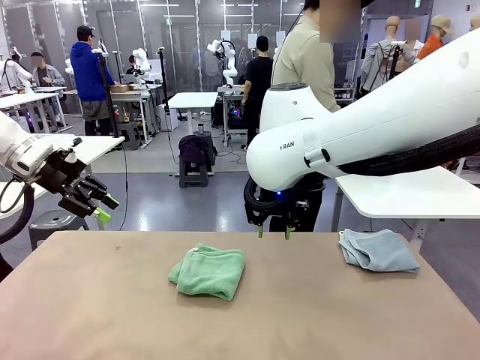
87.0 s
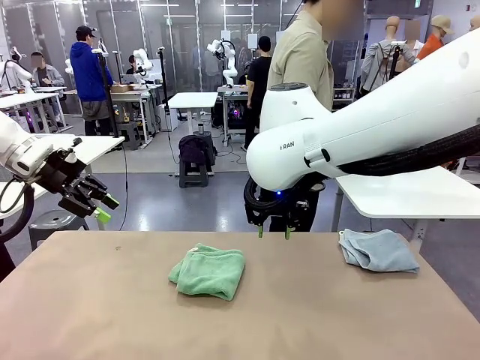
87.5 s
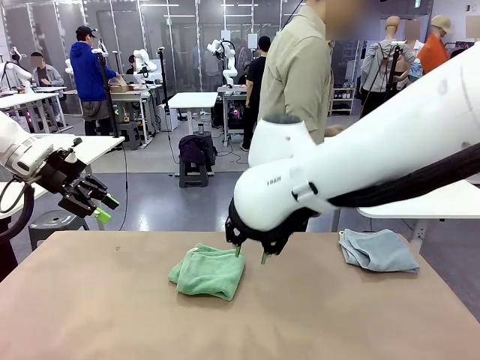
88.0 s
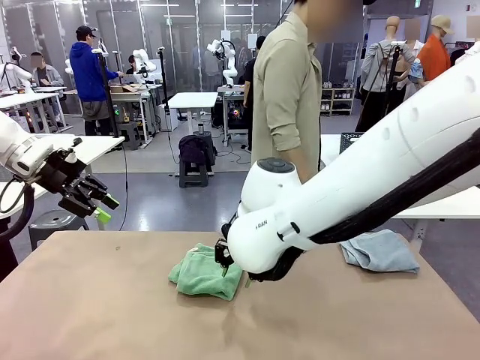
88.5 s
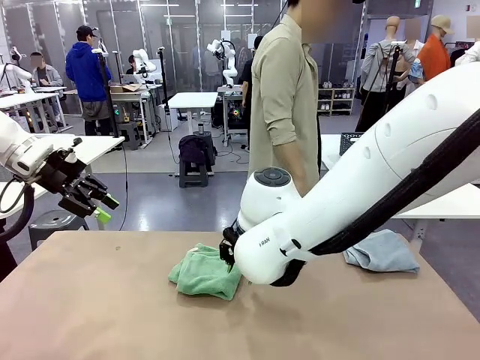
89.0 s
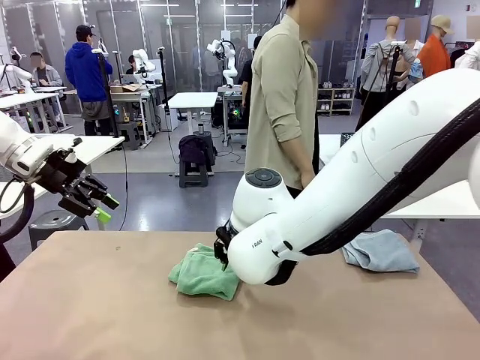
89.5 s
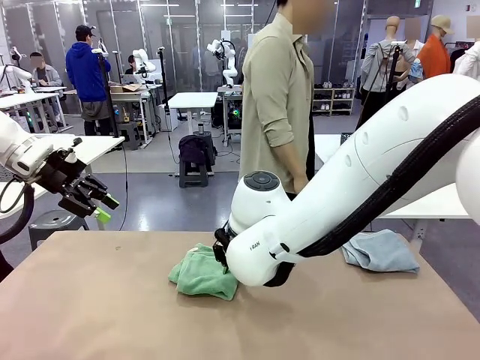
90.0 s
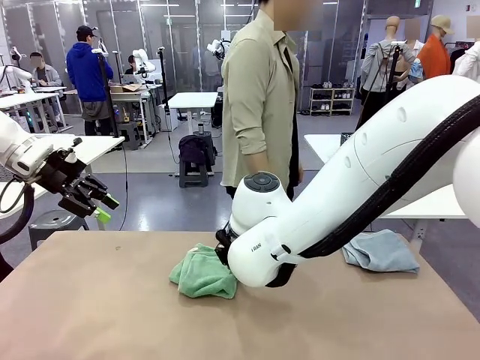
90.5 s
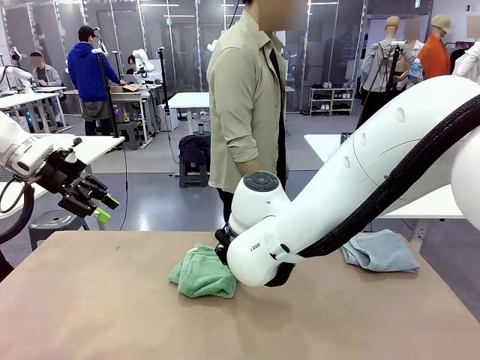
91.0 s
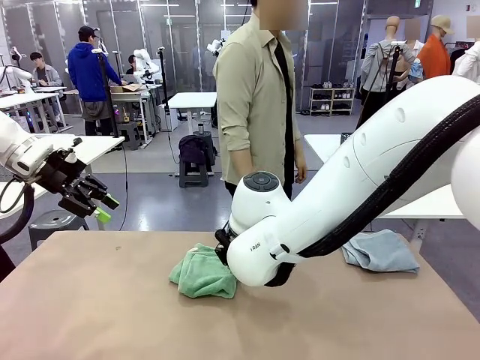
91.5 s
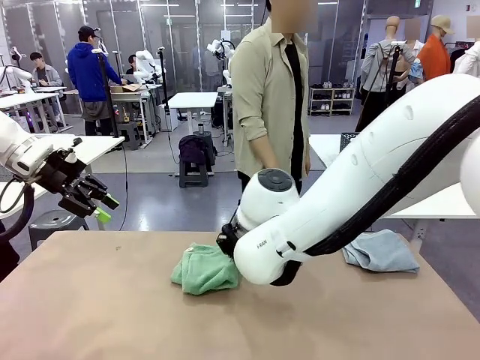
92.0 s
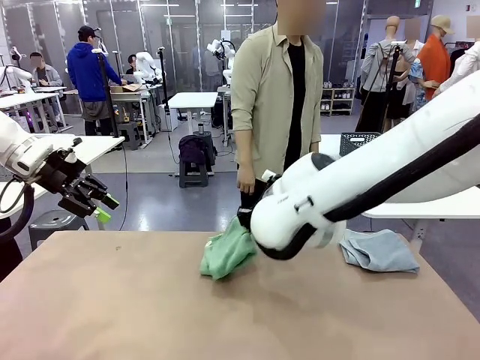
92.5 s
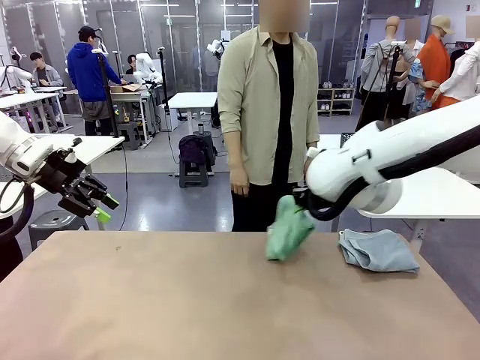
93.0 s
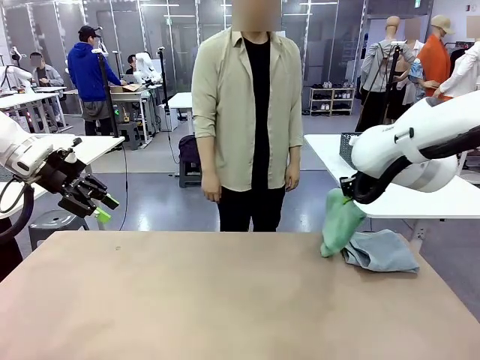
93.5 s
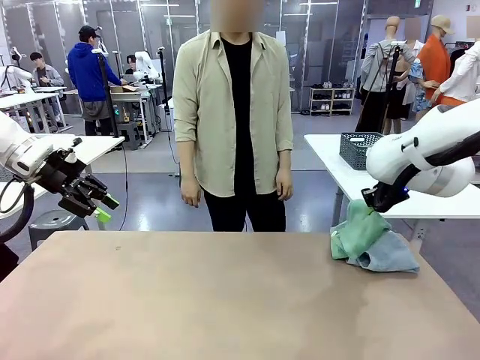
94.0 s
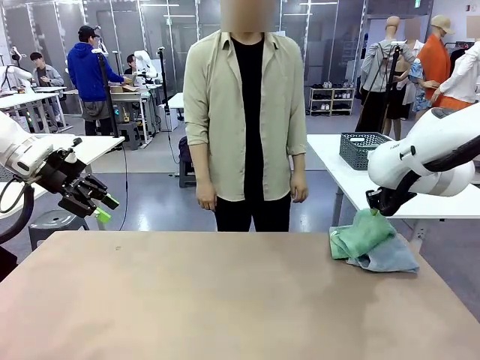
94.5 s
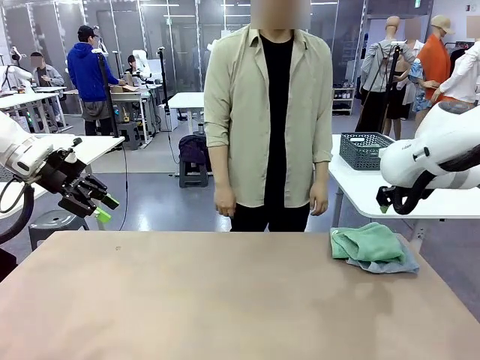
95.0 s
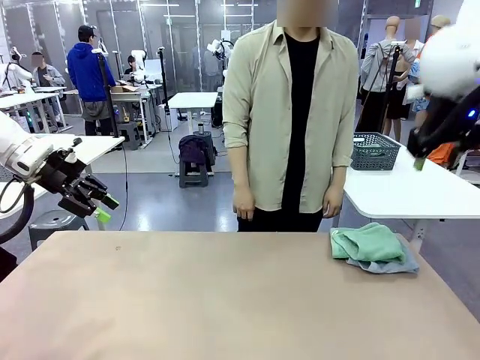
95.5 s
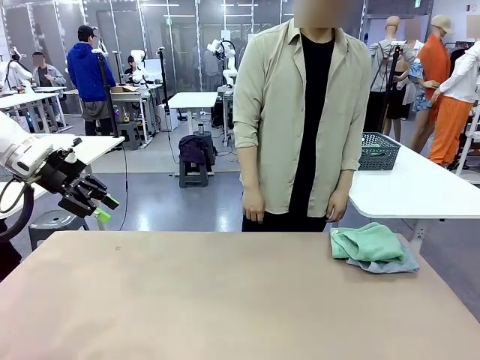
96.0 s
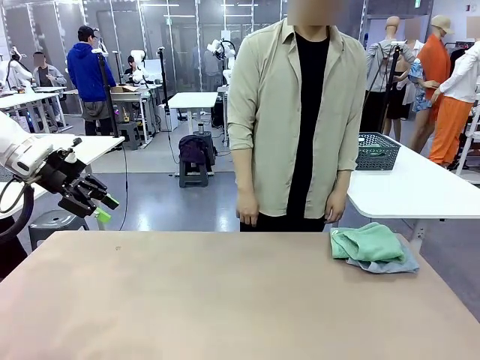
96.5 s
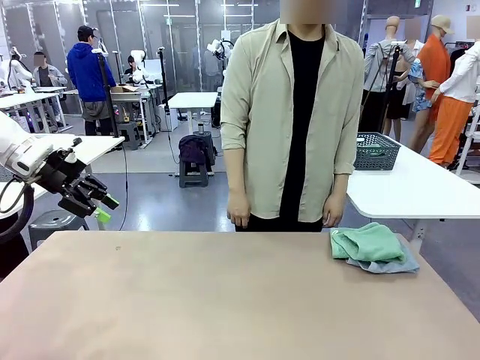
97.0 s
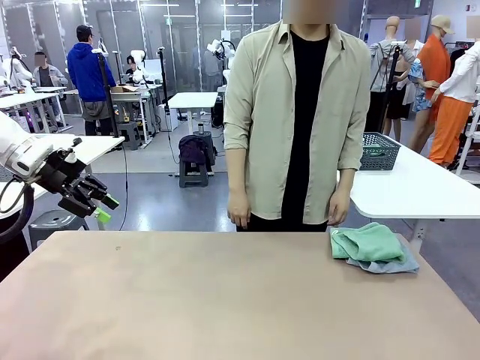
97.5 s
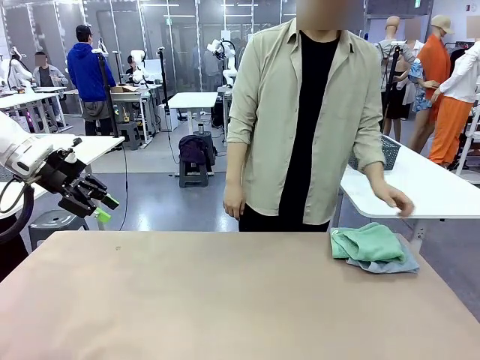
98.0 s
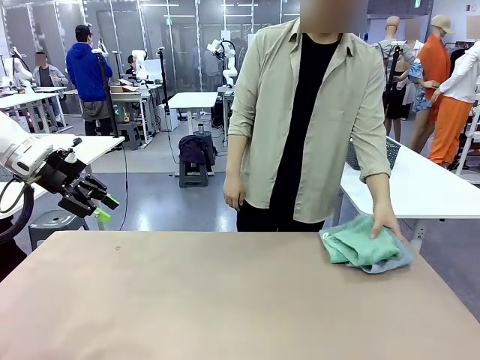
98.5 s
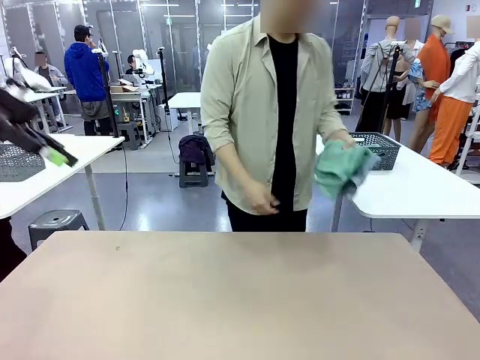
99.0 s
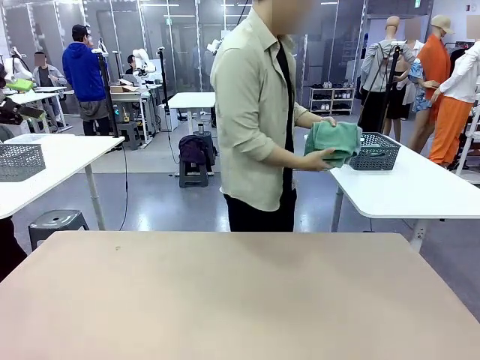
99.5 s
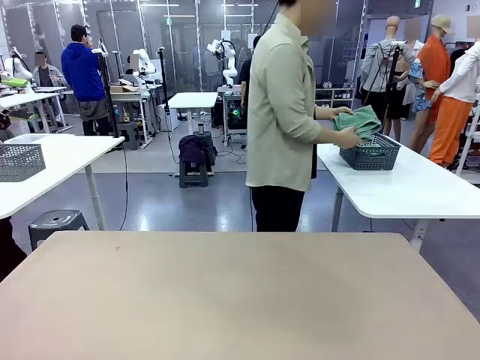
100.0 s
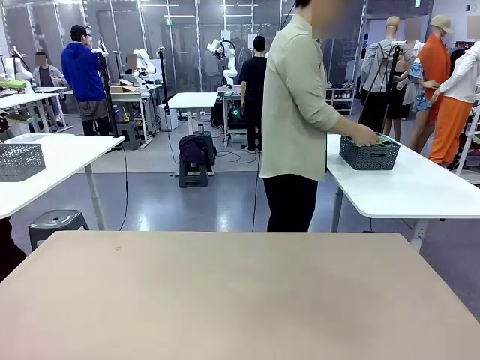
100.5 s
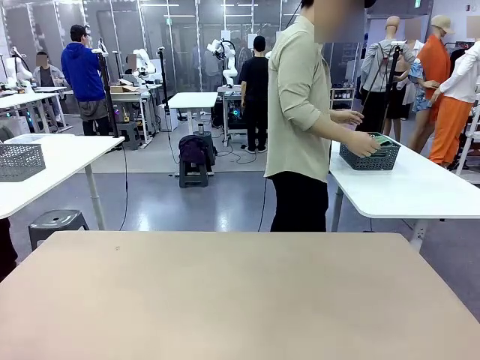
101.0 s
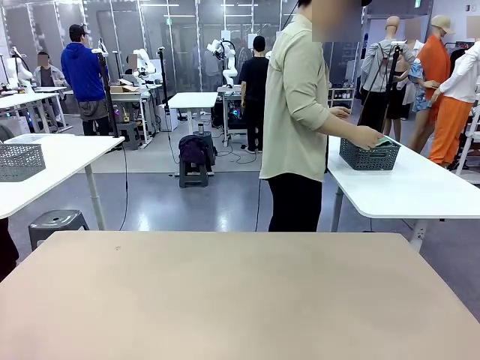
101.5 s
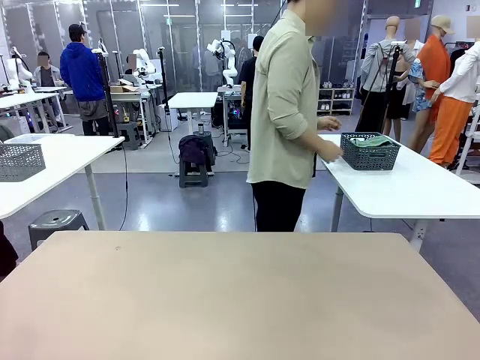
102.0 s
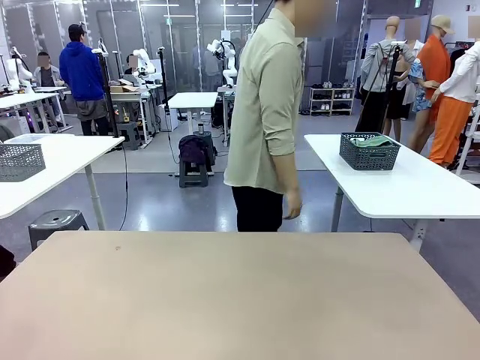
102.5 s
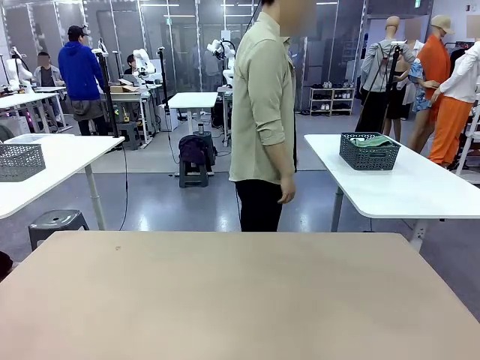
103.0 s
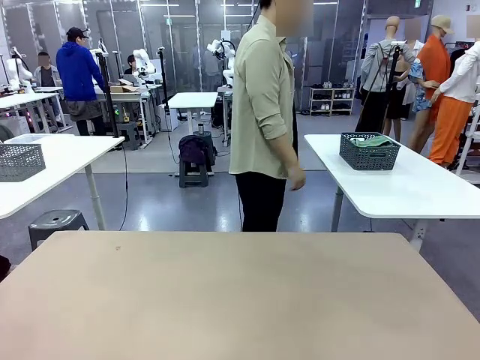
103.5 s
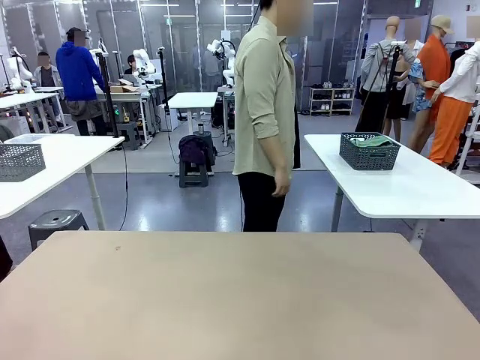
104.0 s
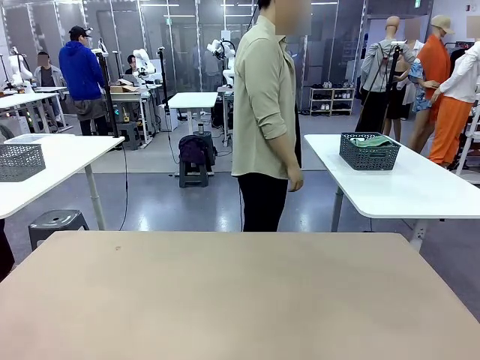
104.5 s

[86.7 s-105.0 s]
Task: Fold the towels and place them in the basket.
Robot: Stack the folded Towel with hook on the right side of the table.
Person: Pick up the stack of towels from the robot table and place it into the basket.

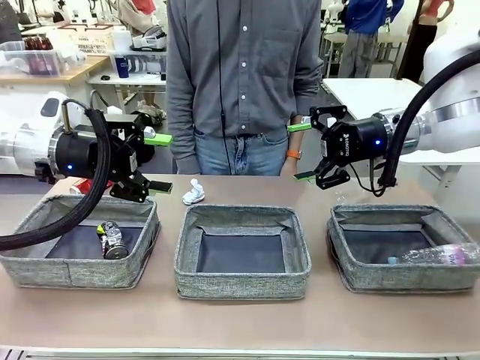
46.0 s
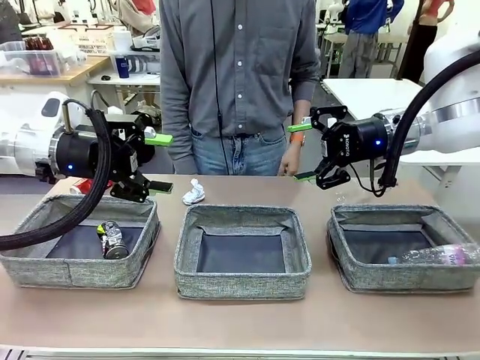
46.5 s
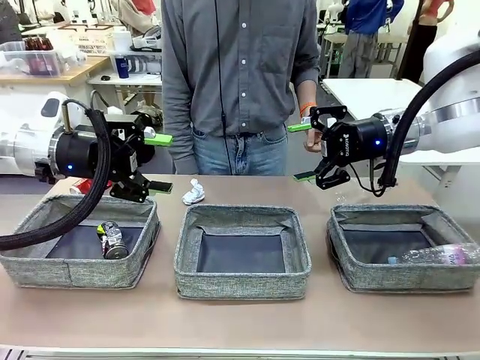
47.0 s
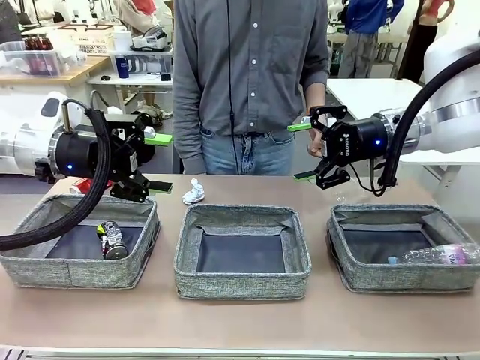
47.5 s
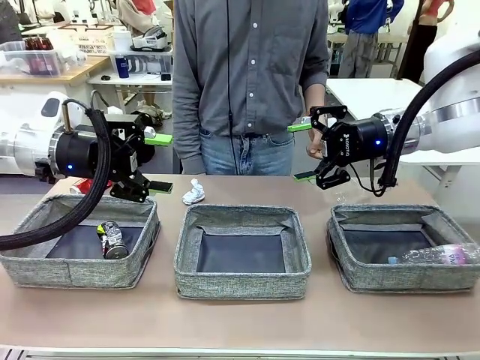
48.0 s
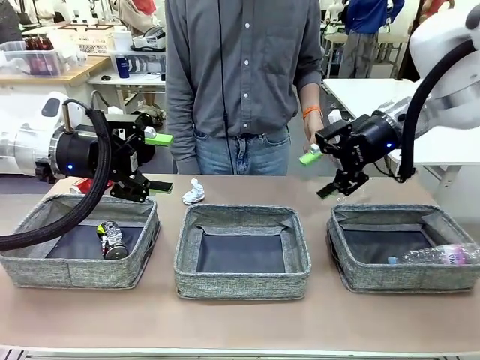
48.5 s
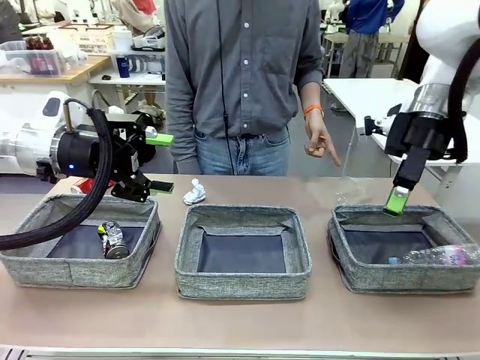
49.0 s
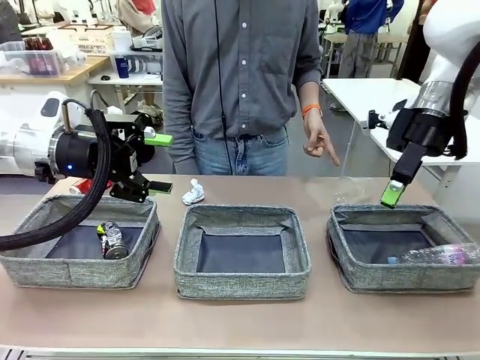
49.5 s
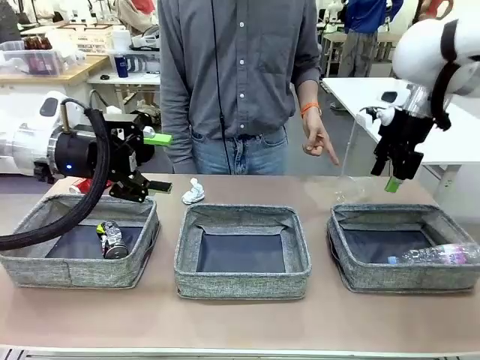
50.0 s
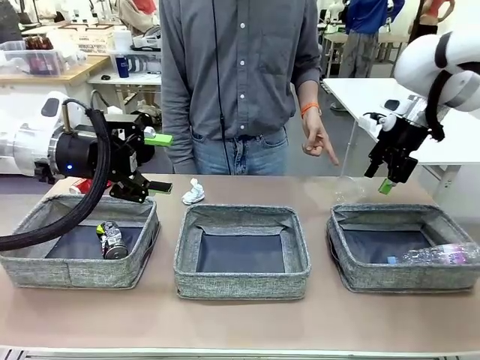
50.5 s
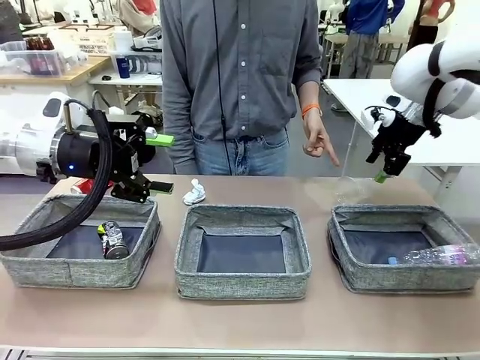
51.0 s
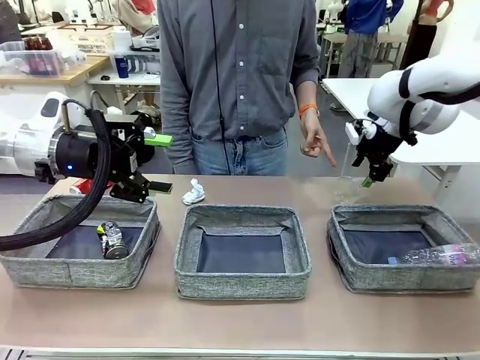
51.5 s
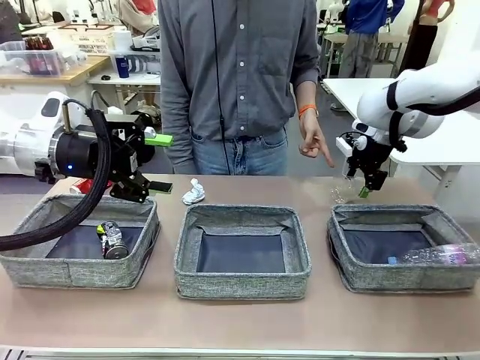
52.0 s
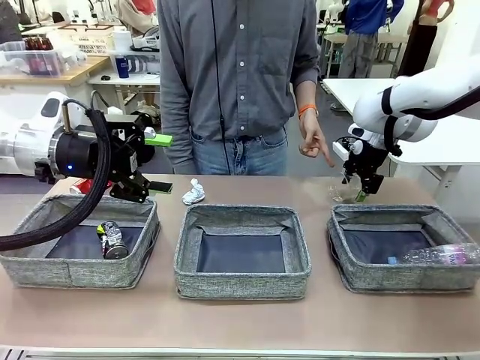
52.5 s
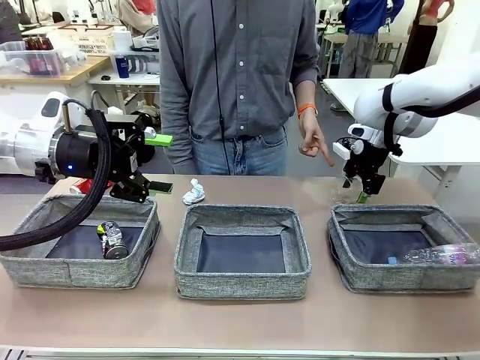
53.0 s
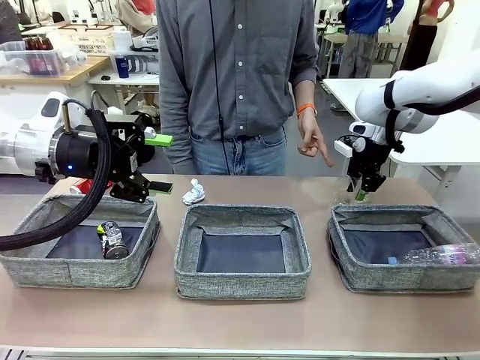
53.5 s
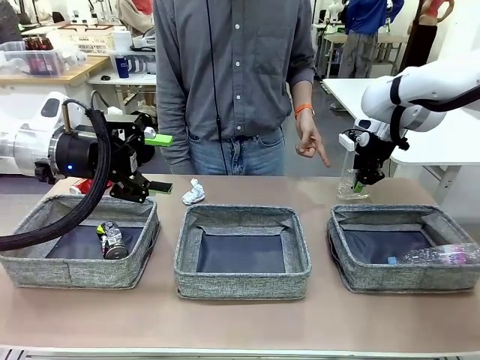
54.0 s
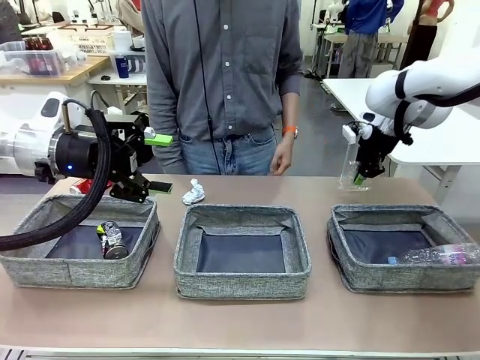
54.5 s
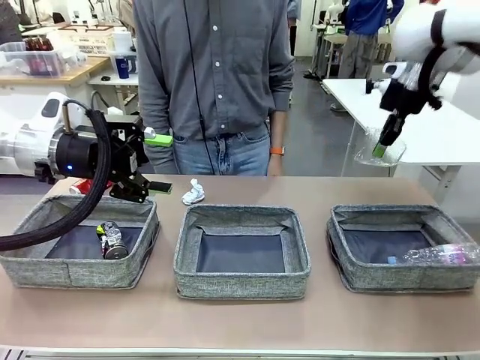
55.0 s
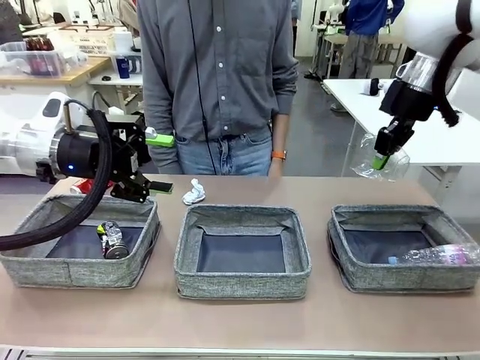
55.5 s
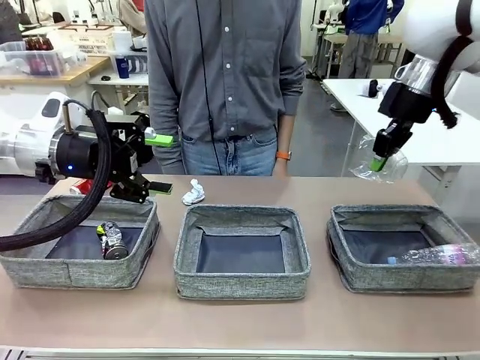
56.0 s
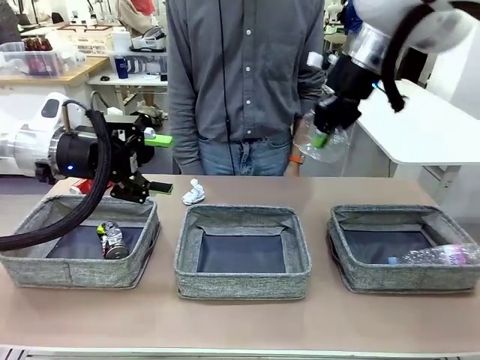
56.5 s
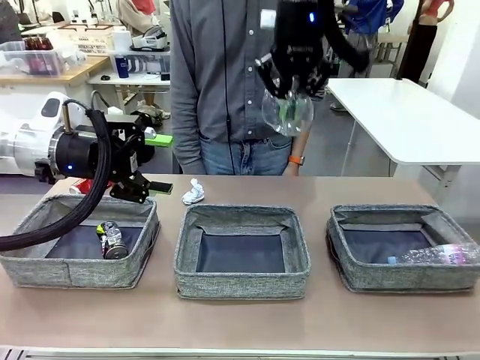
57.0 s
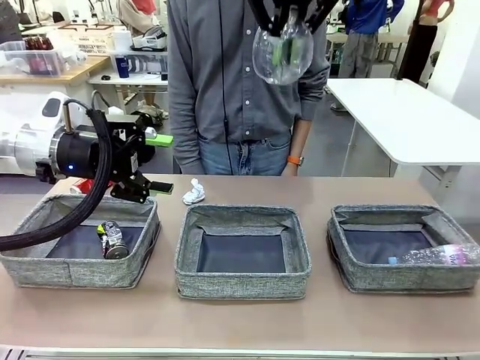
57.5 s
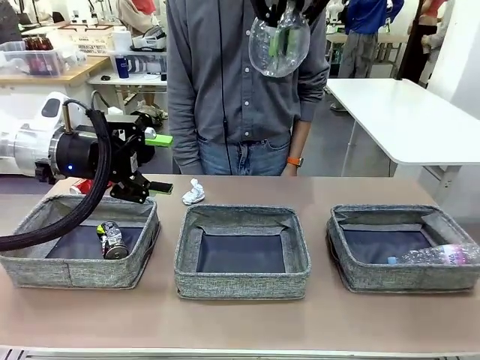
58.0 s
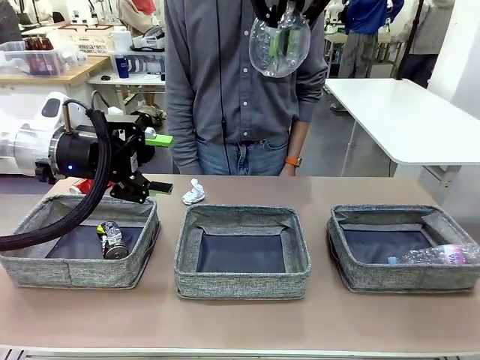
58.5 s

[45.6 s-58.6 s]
Task: Sort the waste into the appropriate baskets.
Robot: Pick up the waste item pointed out by the person.
Person: Points to one piece of trash on the table.
